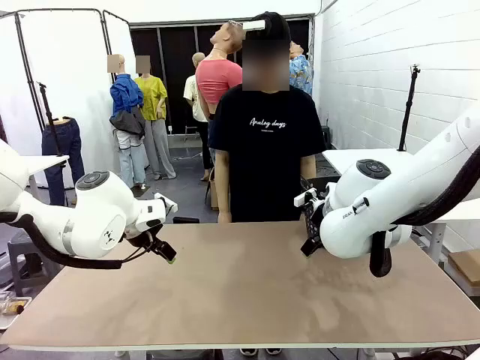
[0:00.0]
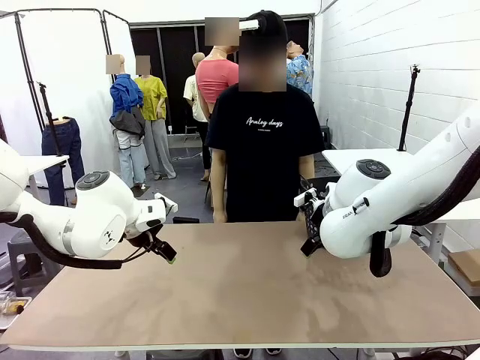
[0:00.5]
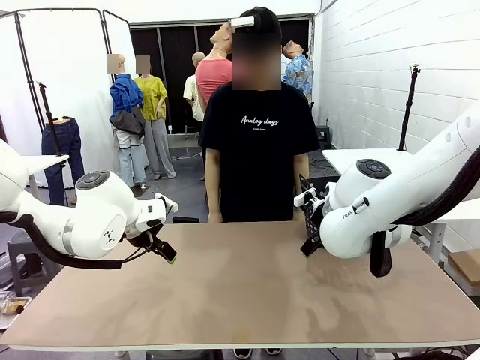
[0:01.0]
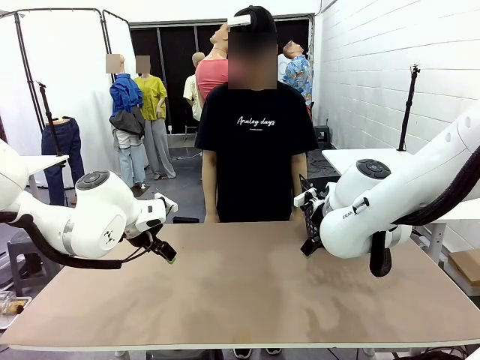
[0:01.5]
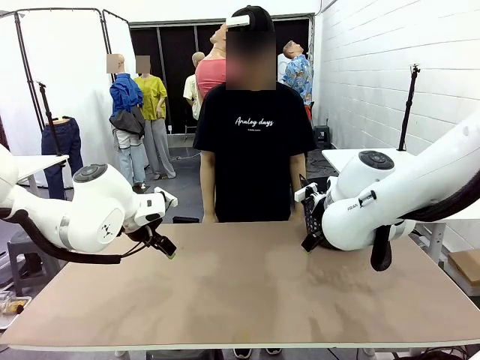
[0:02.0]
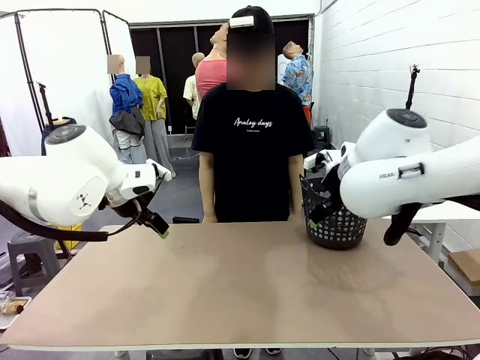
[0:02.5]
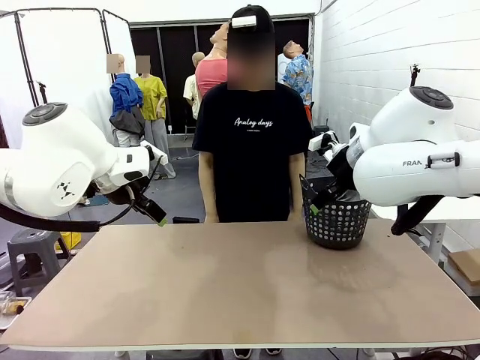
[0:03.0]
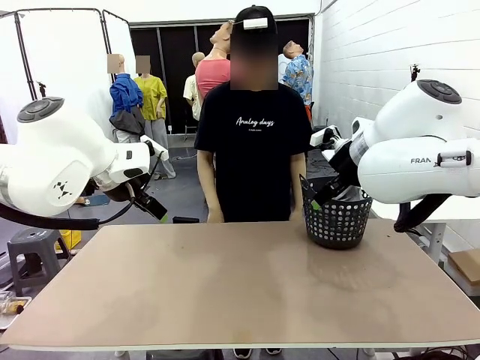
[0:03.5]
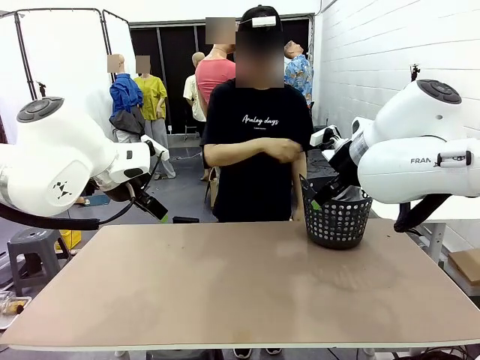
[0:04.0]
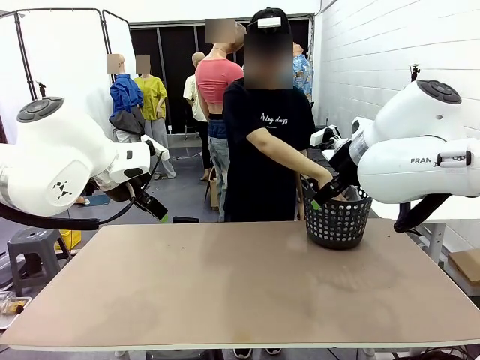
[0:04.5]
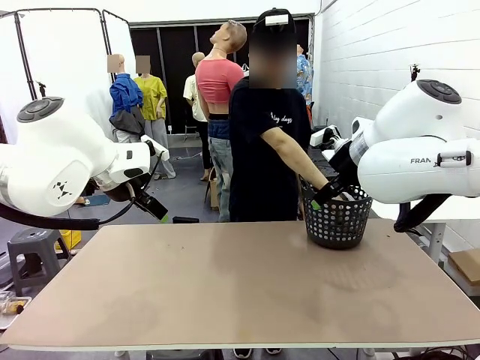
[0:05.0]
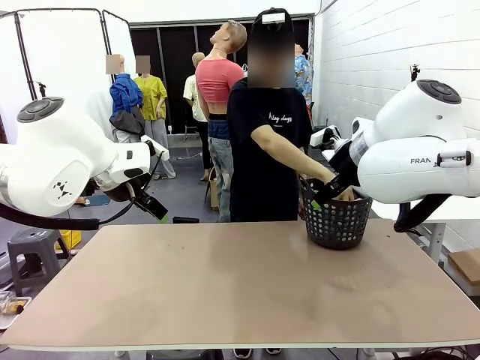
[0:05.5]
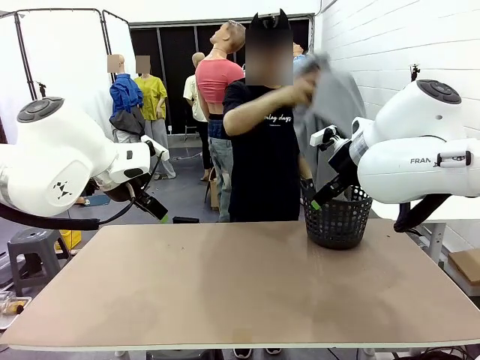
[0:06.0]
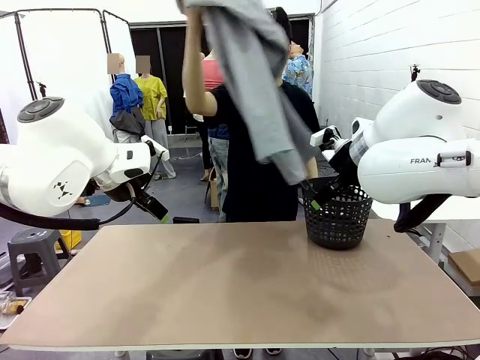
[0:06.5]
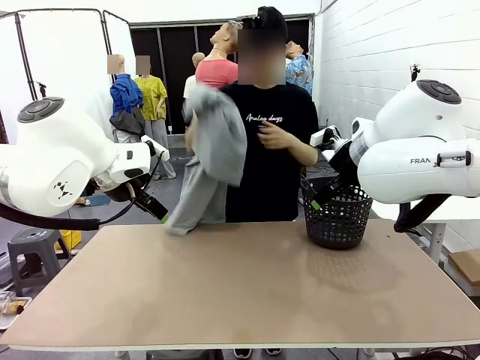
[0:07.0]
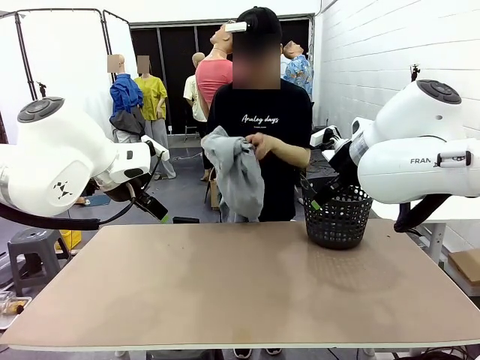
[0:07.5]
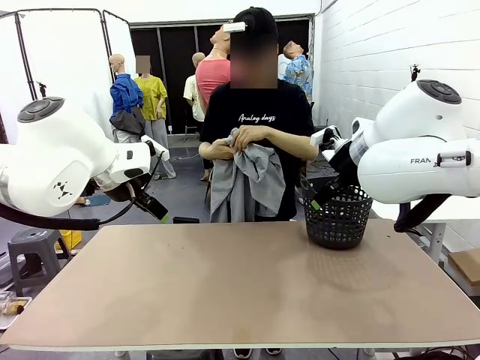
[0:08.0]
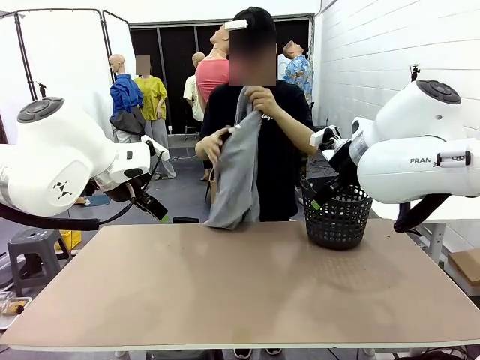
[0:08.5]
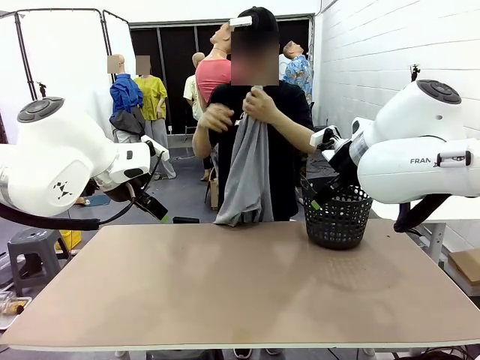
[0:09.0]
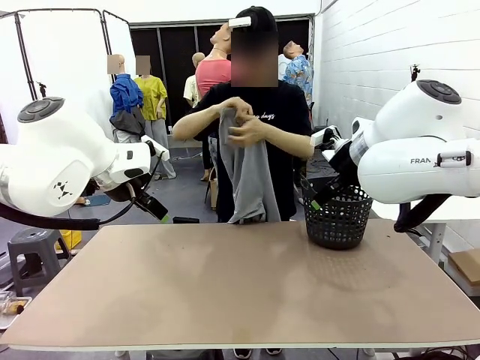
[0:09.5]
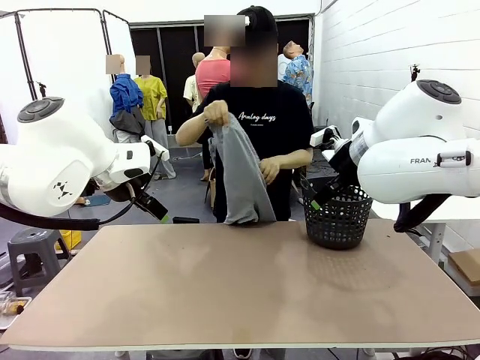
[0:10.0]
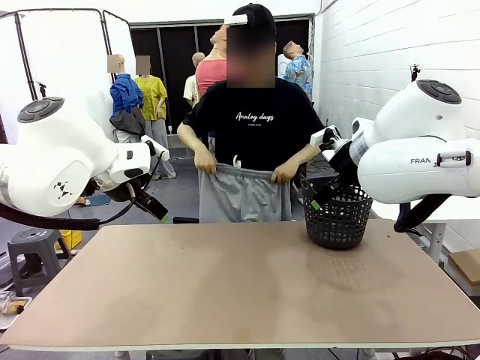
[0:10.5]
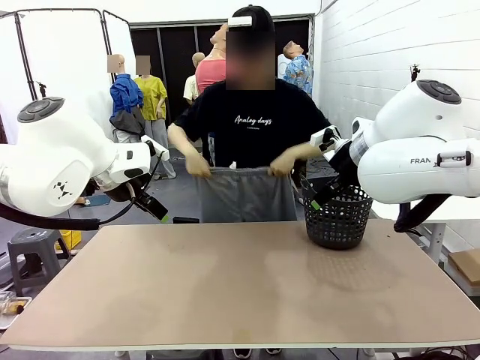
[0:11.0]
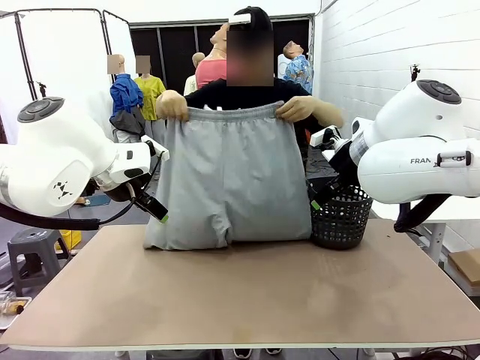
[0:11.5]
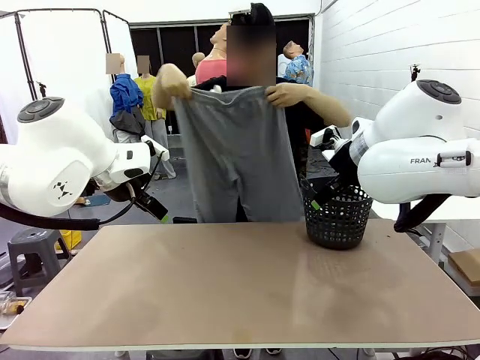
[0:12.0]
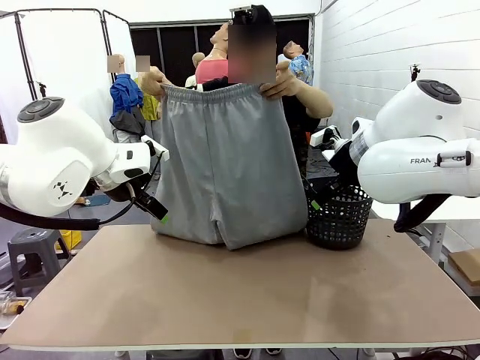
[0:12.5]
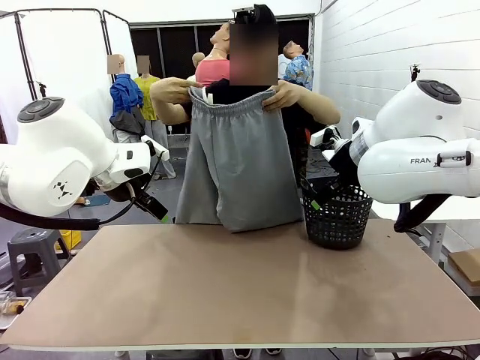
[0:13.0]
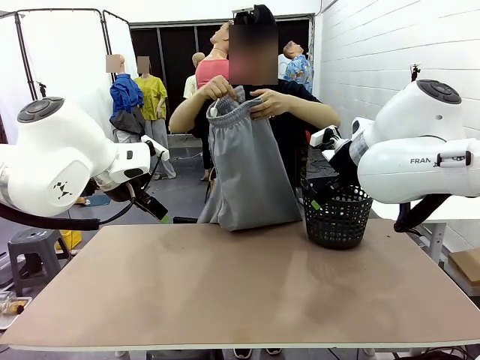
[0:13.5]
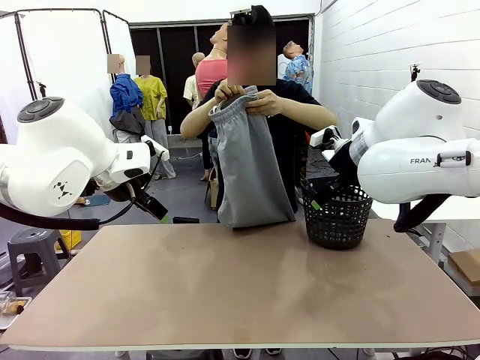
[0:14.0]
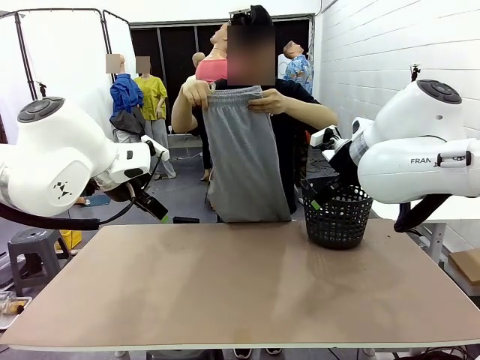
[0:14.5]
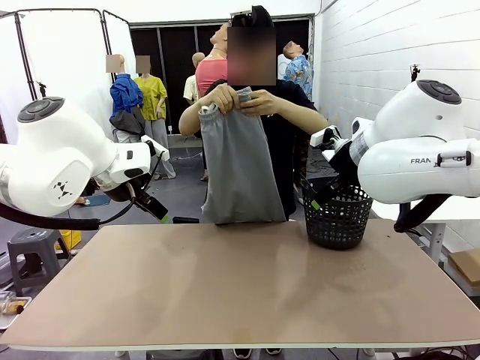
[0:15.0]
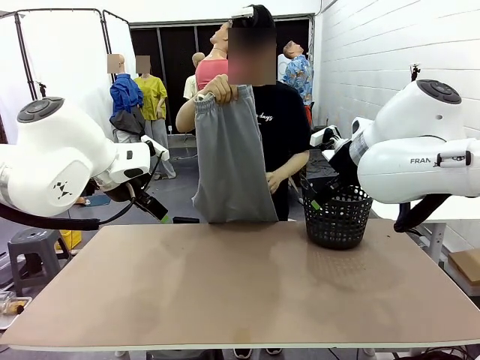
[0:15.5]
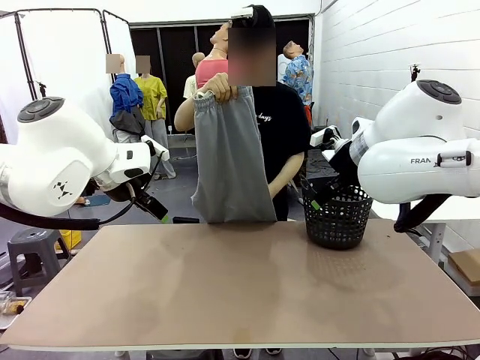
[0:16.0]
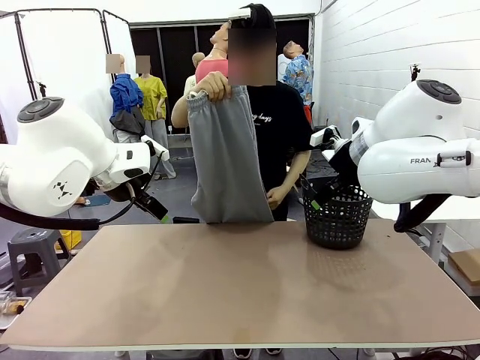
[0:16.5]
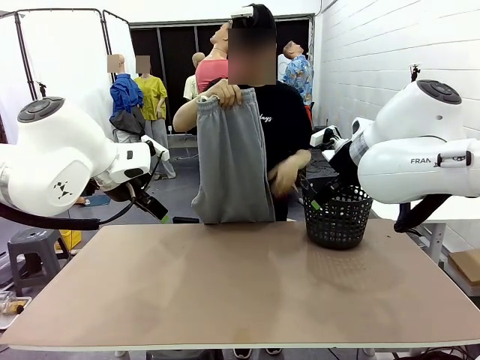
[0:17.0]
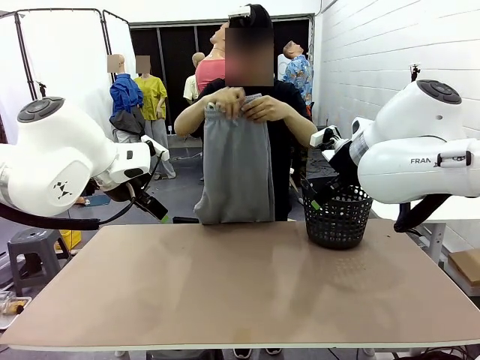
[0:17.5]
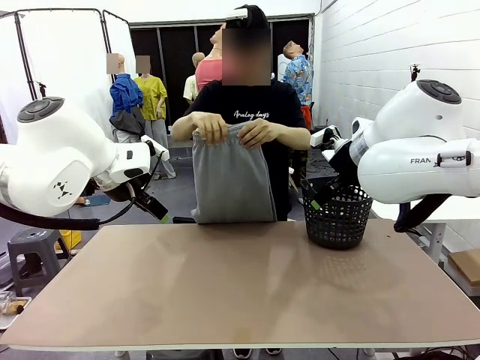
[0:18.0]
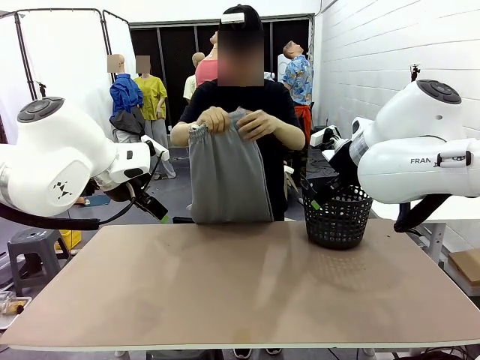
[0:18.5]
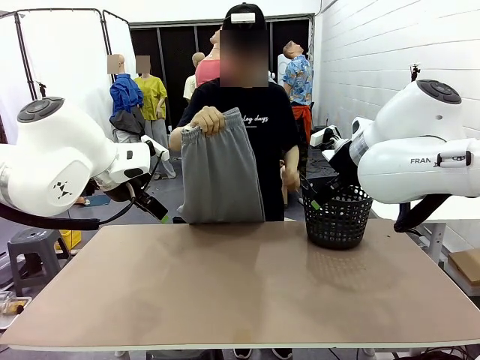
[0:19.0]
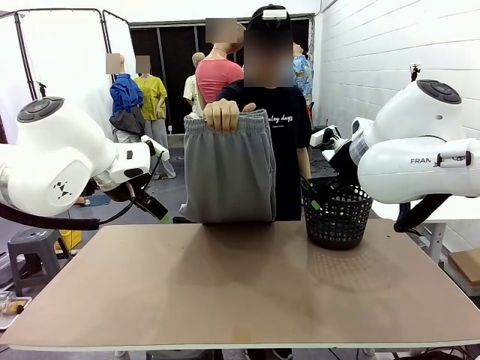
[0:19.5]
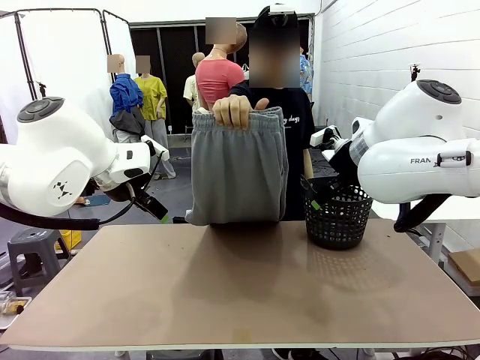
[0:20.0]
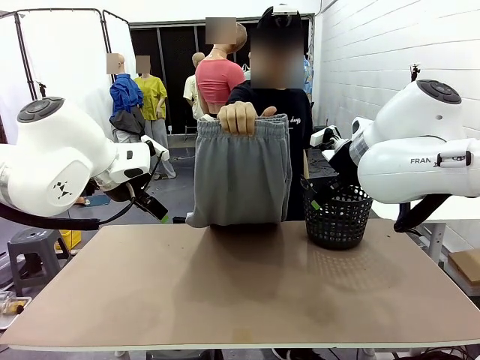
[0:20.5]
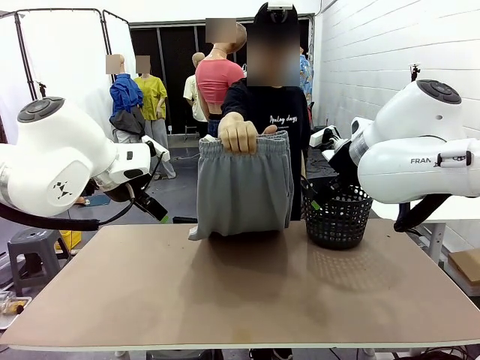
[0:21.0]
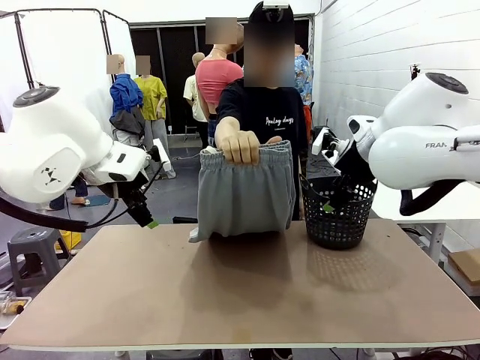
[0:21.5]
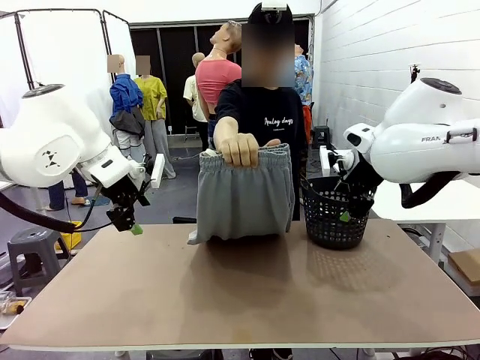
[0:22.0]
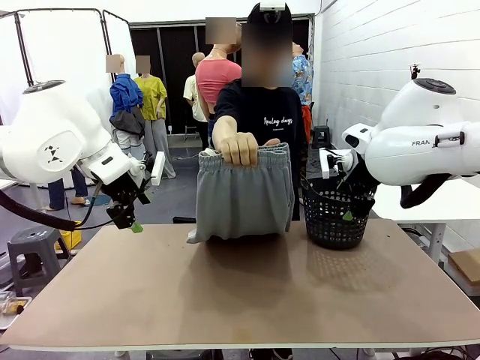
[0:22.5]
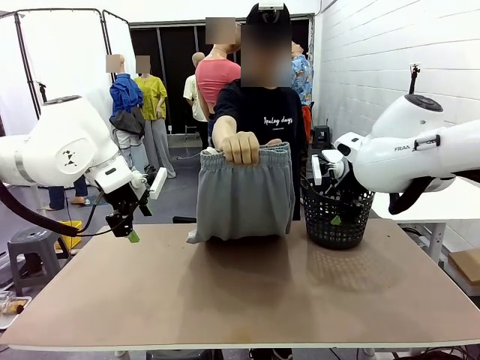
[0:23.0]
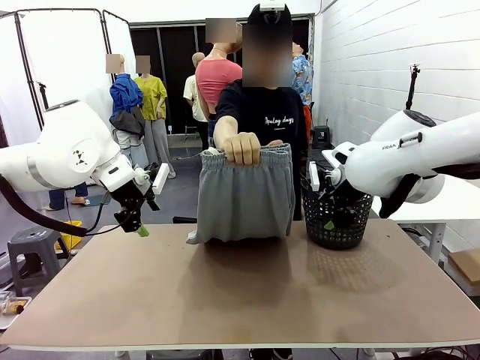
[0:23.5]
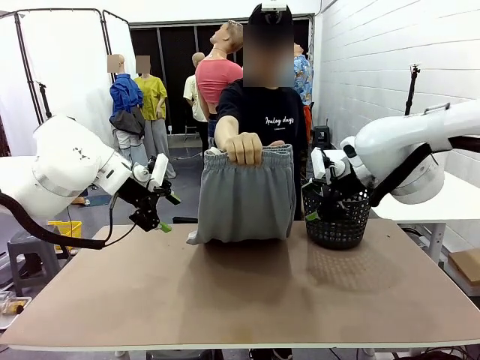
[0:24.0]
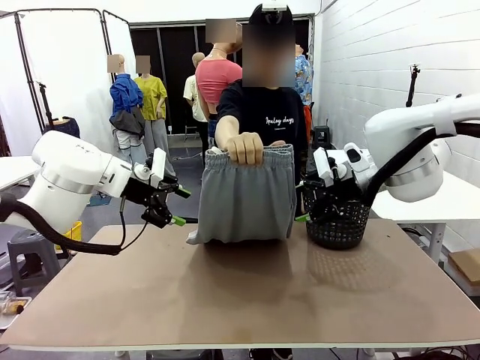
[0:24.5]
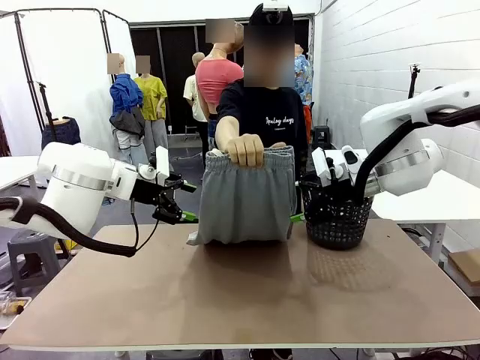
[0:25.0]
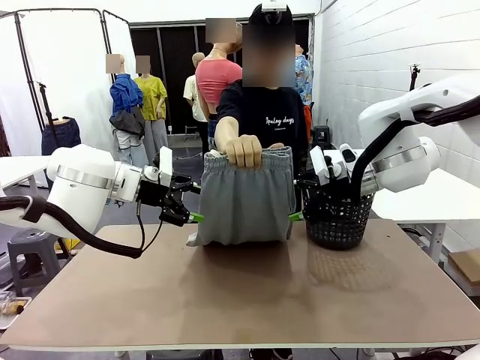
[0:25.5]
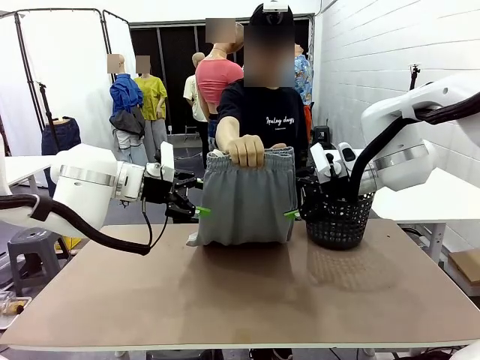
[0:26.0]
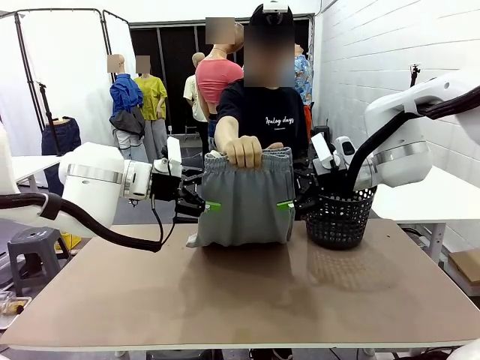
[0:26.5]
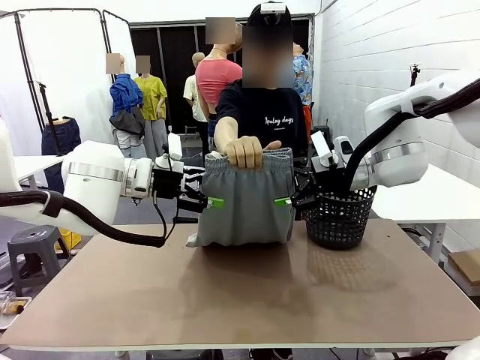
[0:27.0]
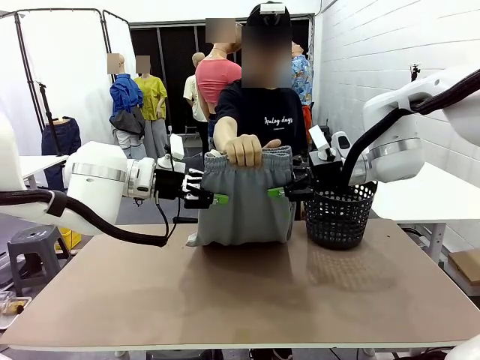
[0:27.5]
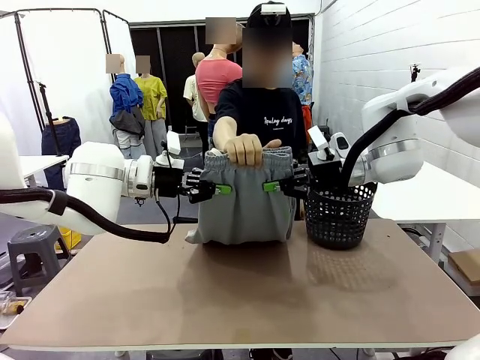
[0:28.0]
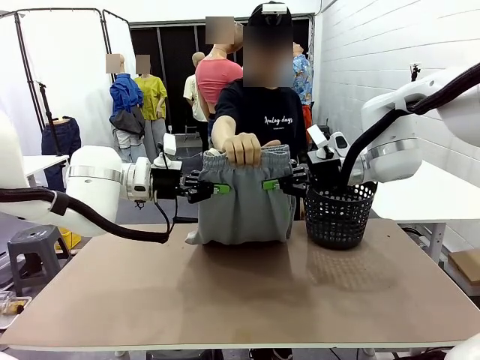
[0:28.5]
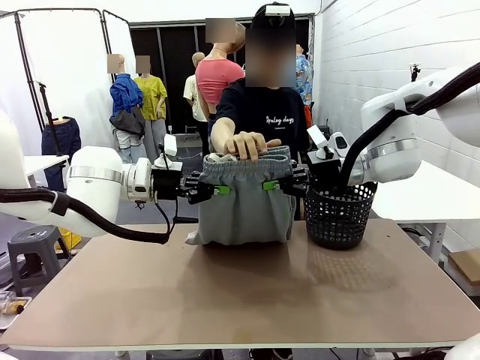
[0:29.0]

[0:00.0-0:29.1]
Task: Fold the training pants.
Robot: Grab both ends of the Training pants handed by a person.
Person: Take the long pants out of the laundry basket, unfold them, fold the waist in half, and extend them so the robot can pick up both corners.
